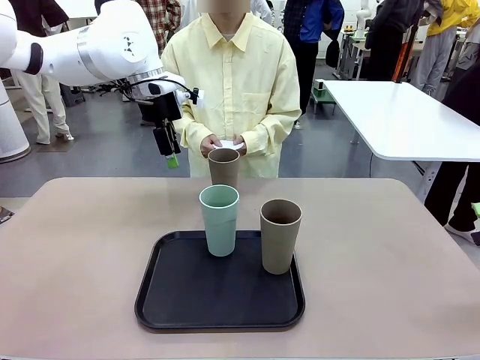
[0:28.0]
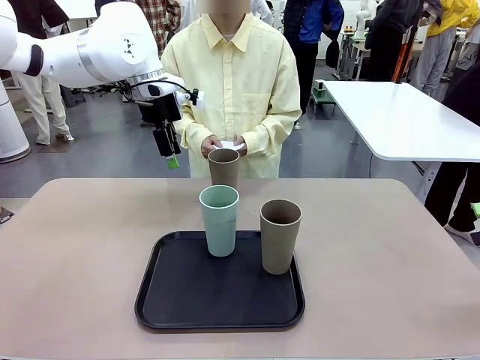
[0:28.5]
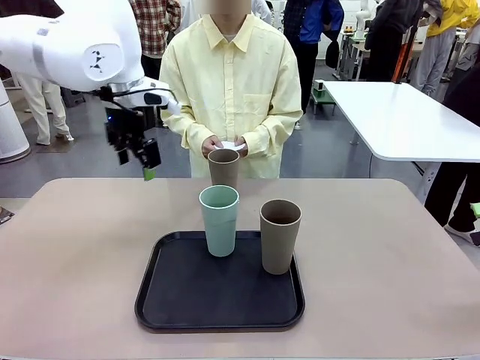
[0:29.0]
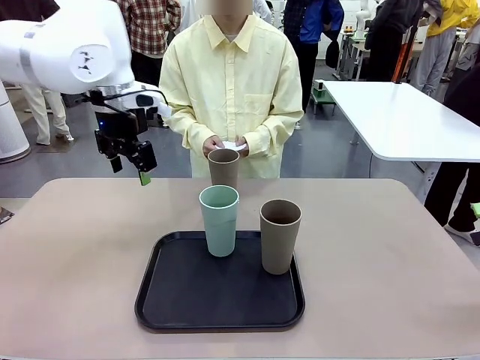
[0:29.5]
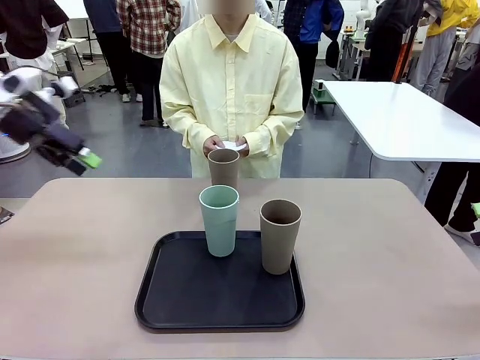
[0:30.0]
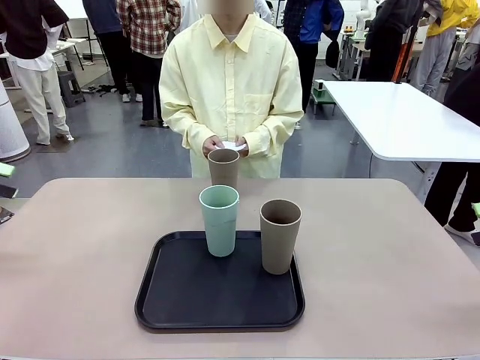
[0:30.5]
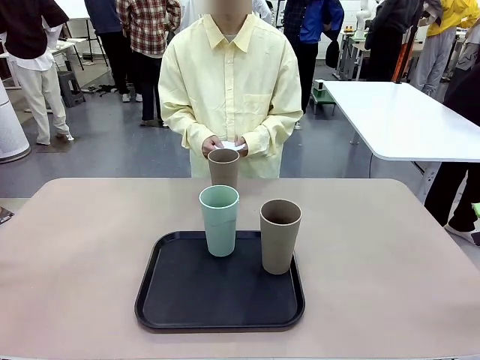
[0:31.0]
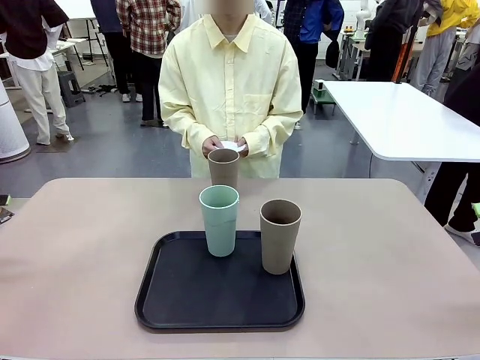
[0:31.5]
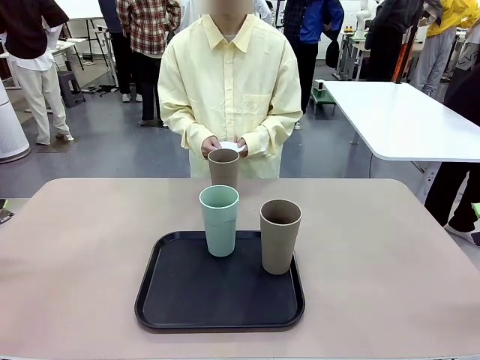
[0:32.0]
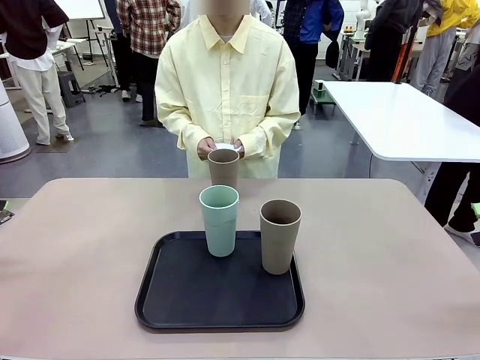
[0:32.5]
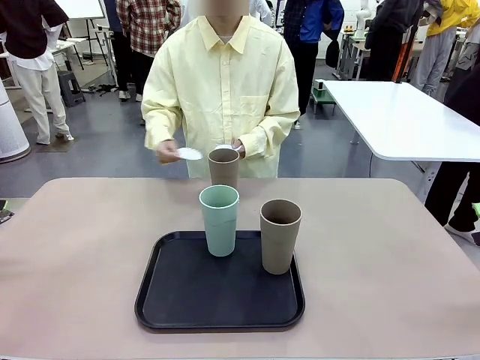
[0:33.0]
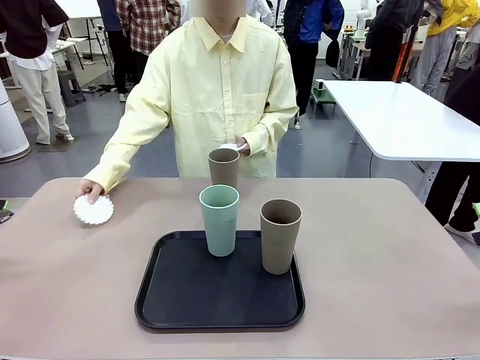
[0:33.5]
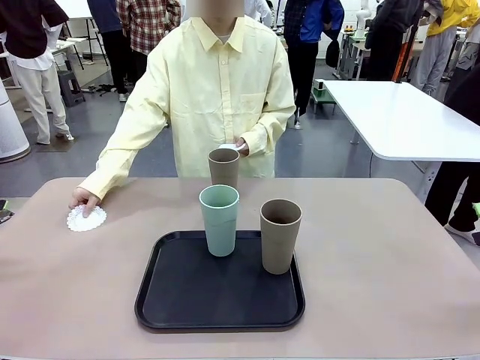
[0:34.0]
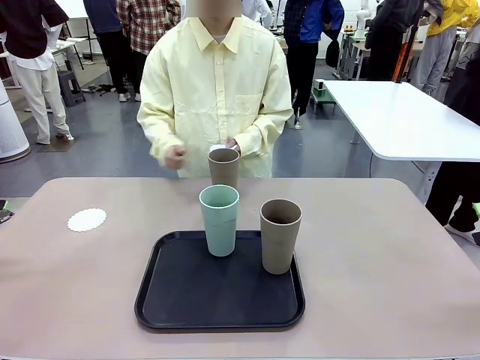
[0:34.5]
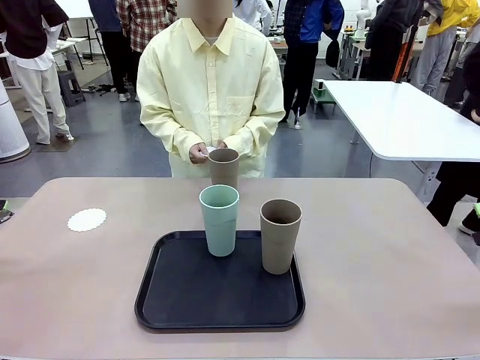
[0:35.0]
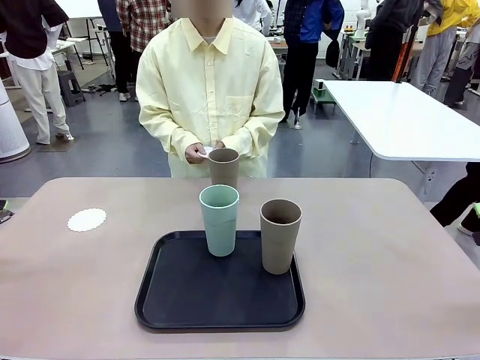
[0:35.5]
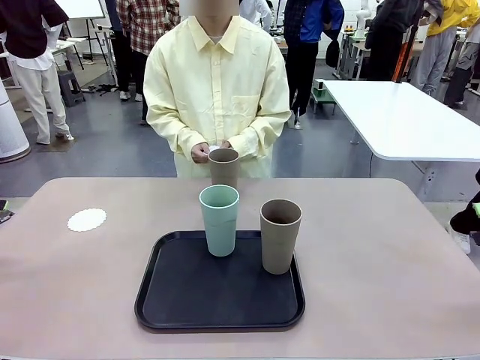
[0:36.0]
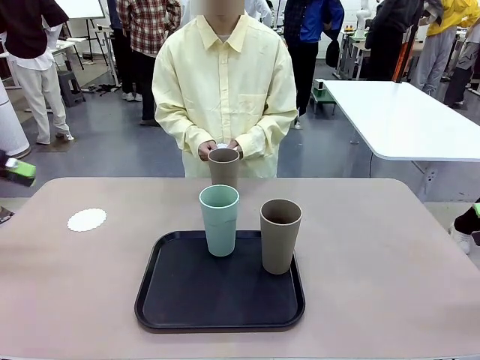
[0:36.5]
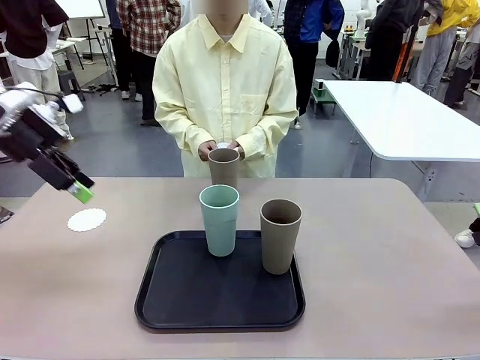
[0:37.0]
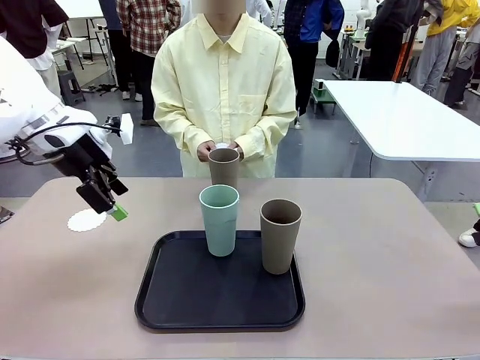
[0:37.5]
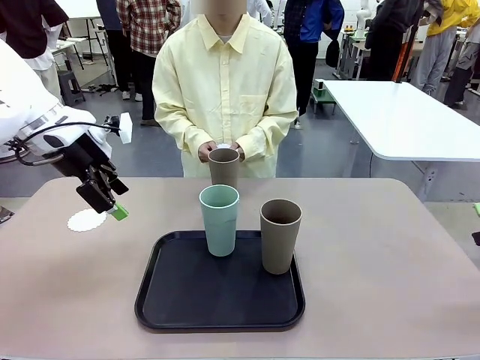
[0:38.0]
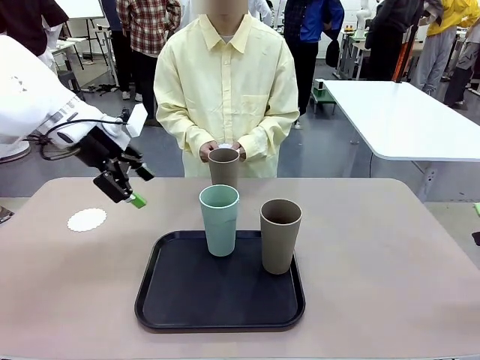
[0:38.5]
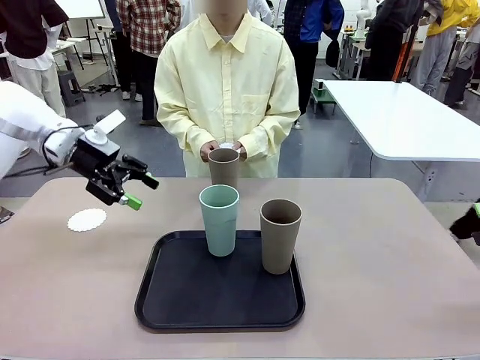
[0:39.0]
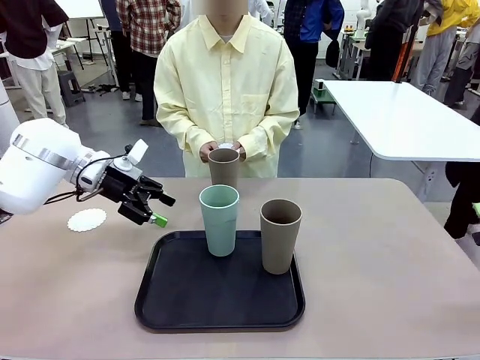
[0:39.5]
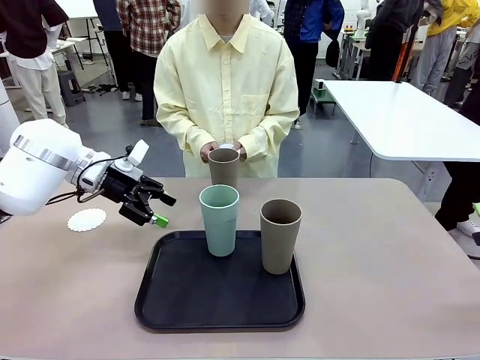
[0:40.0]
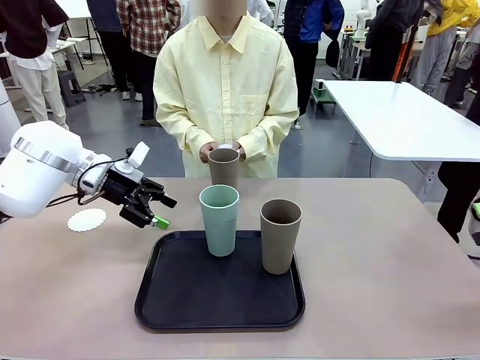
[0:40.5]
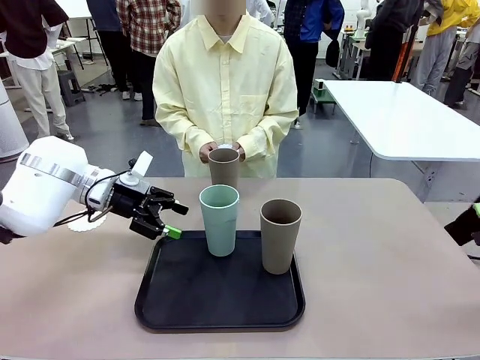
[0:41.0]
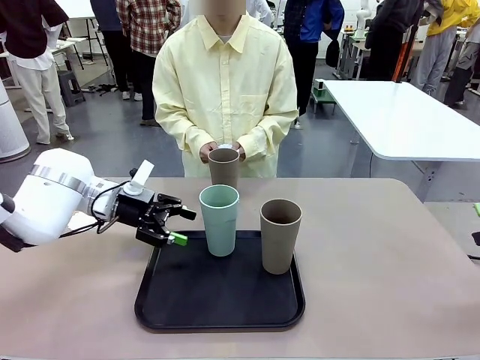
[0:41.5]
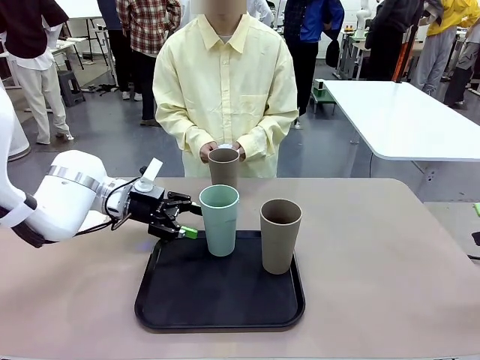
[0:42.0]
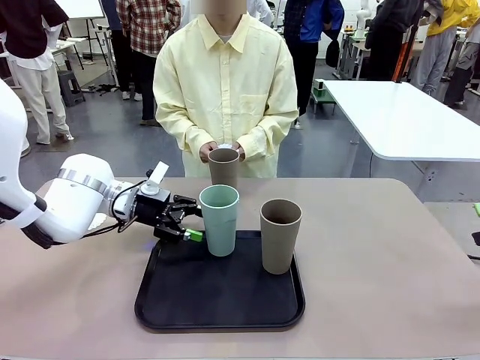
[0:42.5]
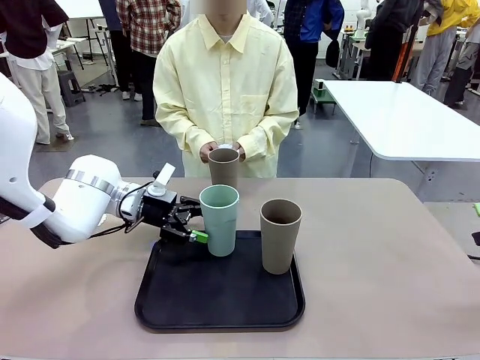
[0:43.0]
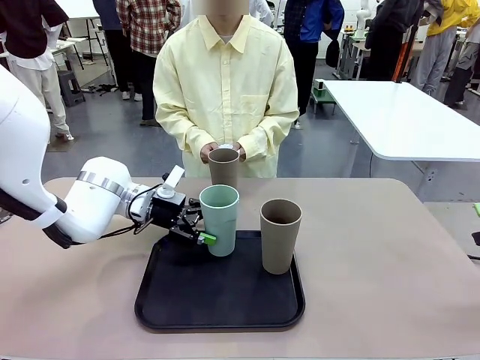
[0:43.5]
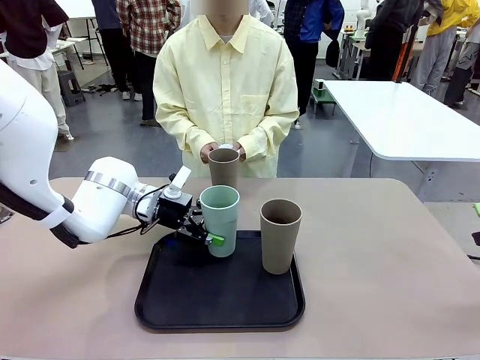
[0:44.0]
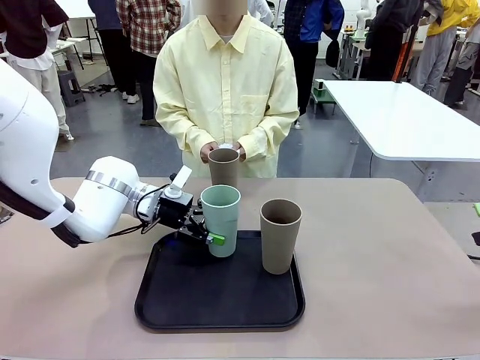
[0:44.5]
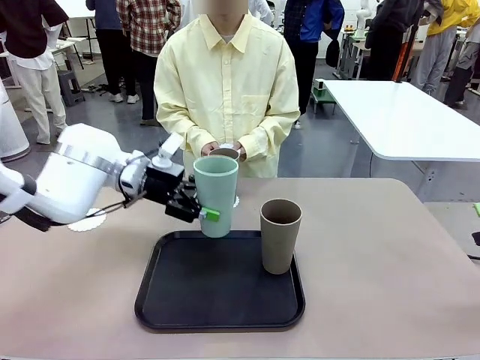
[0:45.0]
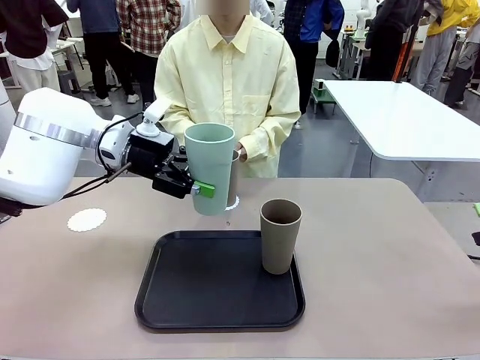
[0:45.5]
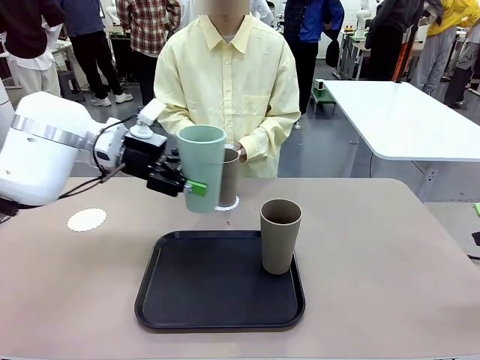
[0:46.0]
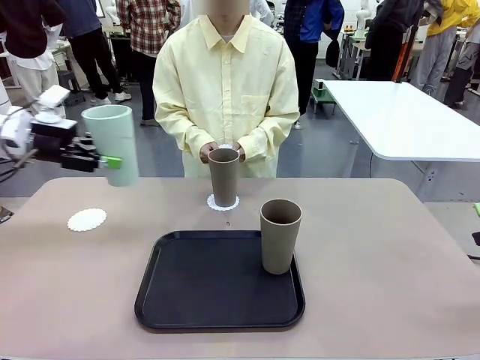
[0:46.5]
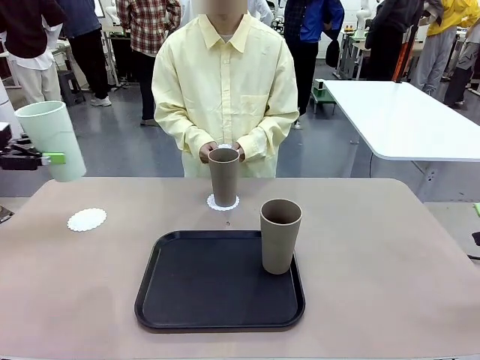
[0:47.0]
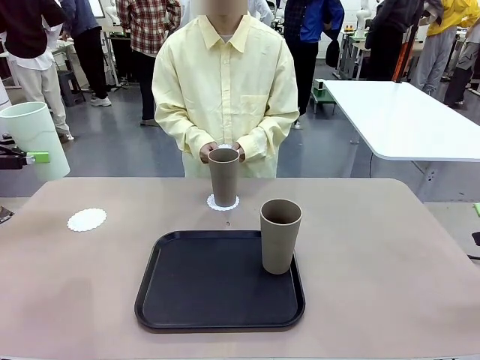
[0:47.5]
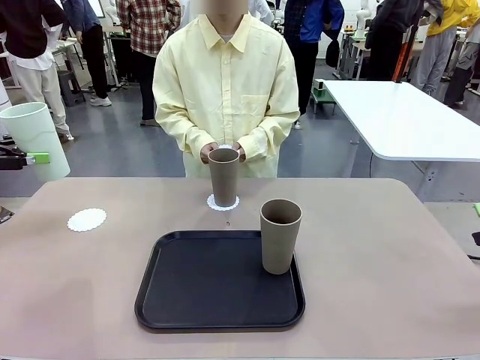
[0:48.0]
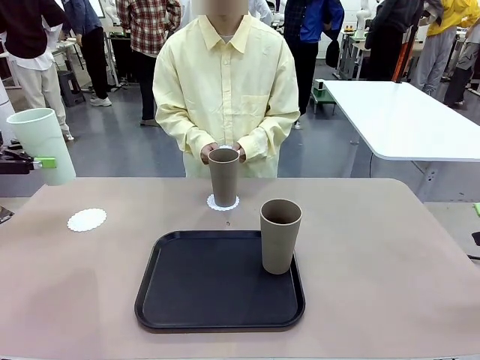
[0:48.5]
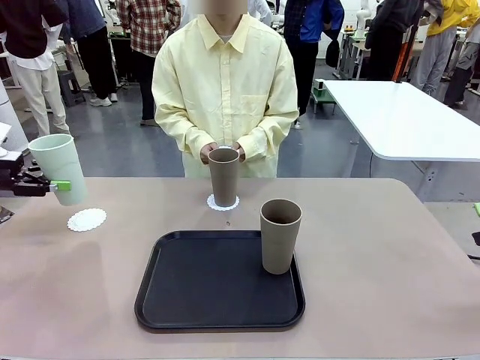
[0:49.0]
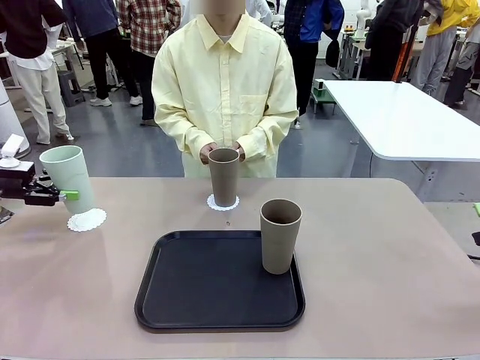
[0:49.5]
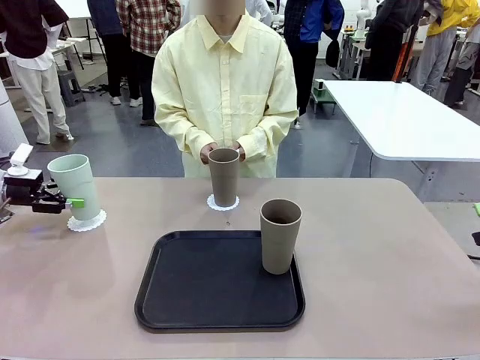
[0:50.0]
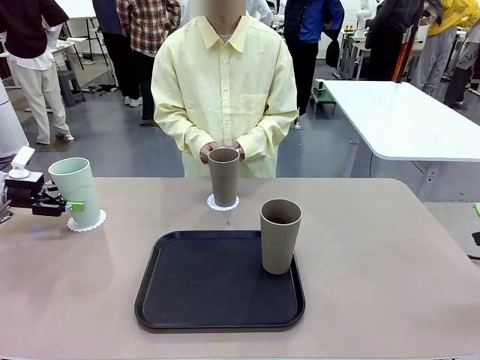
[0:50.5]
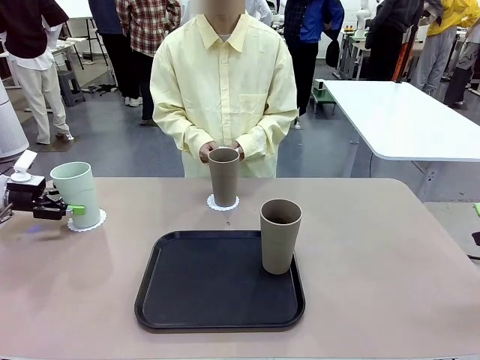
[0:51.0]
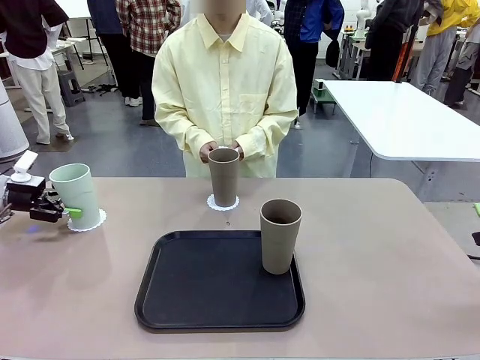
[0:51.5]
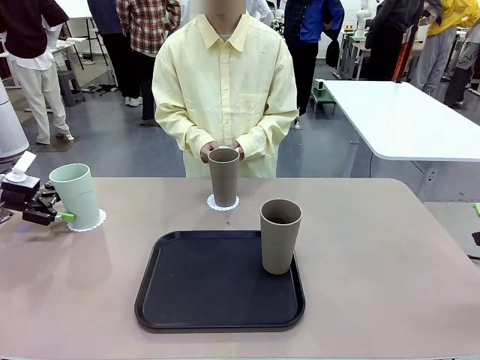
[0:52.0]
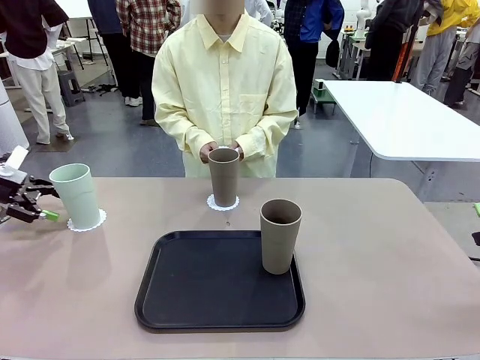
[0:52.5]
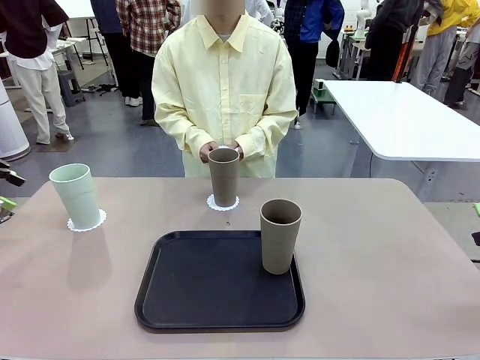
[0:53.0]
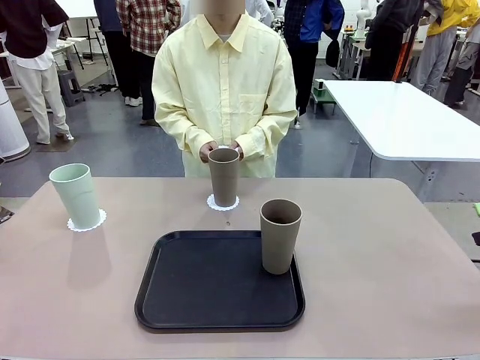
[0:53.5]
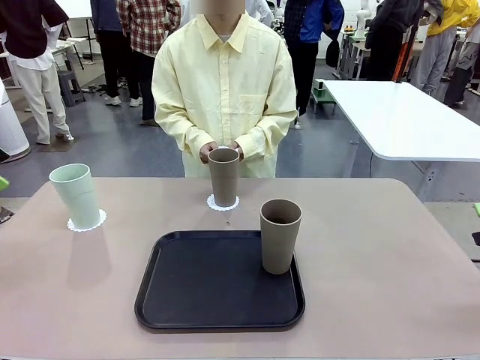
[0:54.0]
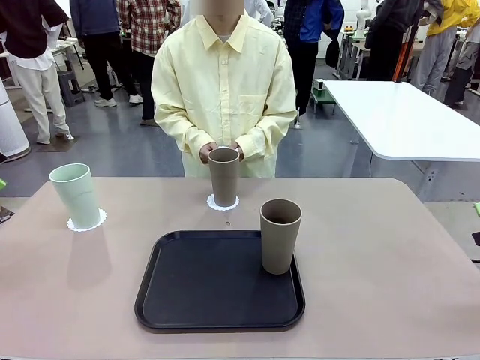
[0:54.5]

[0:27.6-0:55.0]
Task: Place coasters on the table and set cups on them.
Robot: Take one Reusable plastic cup from the Flat Tray and place it on a coaster set by the human.
